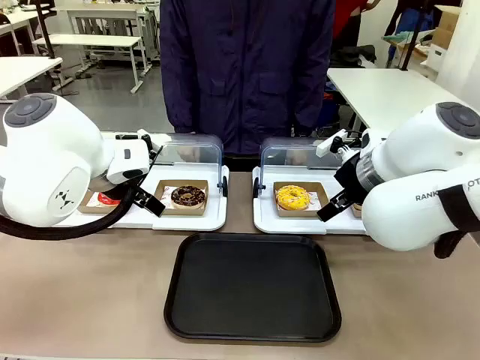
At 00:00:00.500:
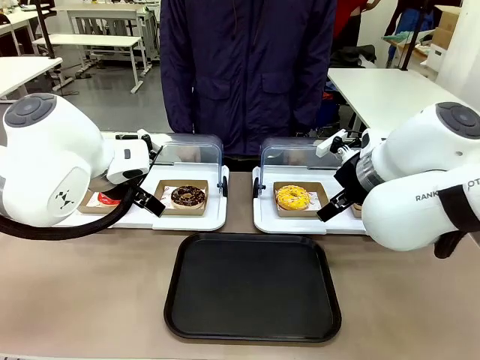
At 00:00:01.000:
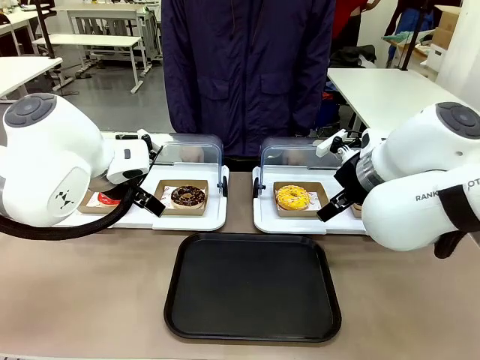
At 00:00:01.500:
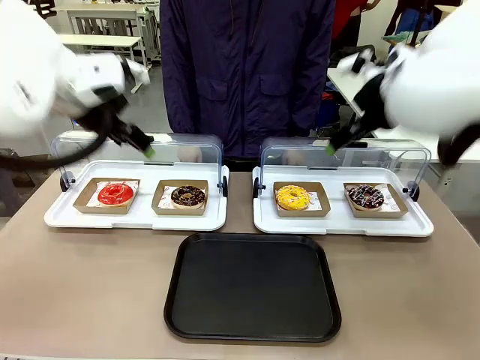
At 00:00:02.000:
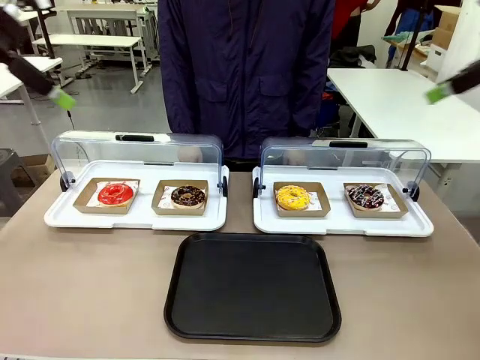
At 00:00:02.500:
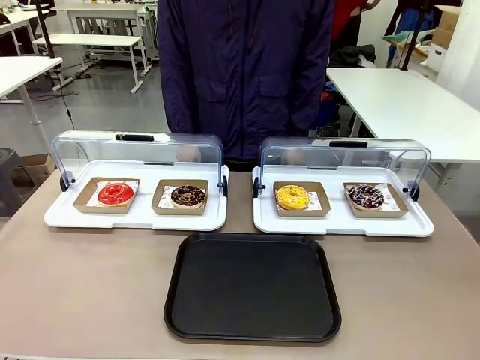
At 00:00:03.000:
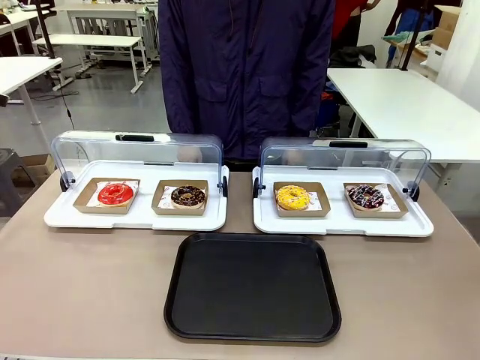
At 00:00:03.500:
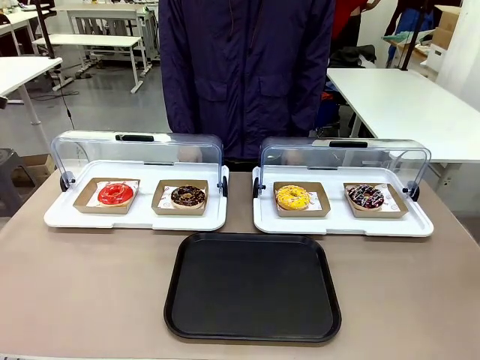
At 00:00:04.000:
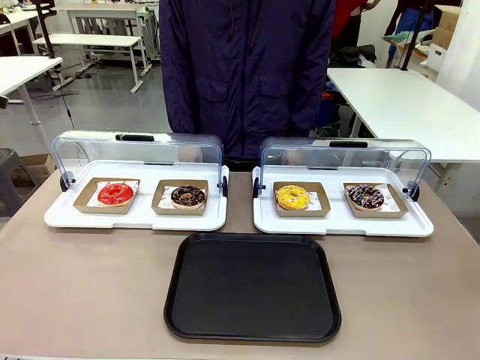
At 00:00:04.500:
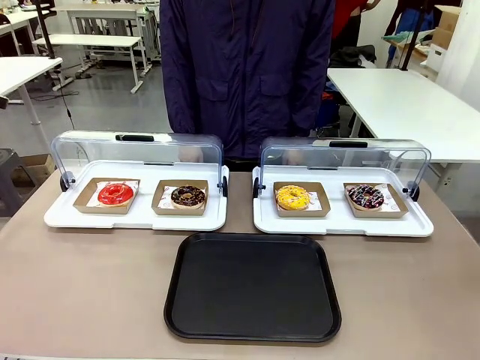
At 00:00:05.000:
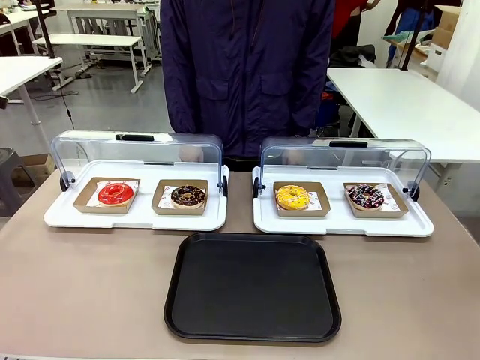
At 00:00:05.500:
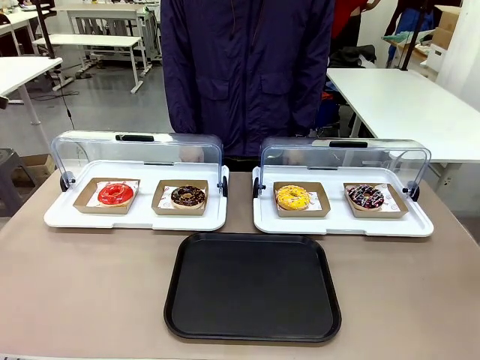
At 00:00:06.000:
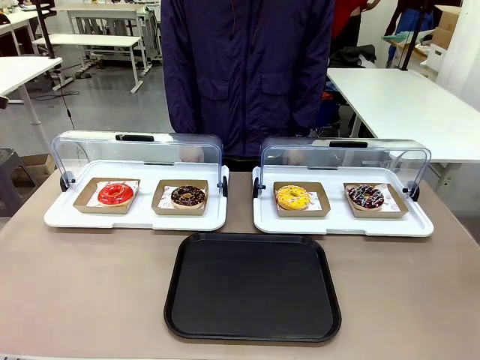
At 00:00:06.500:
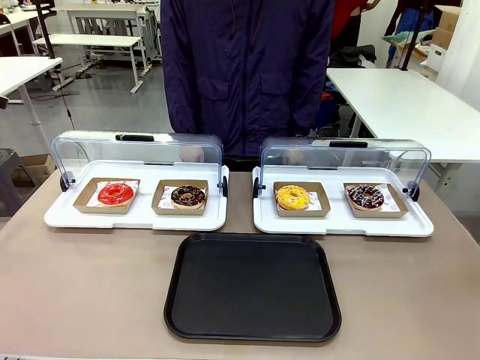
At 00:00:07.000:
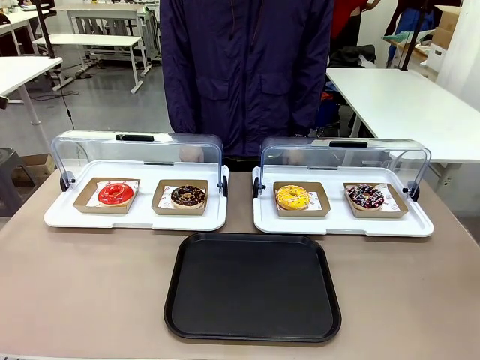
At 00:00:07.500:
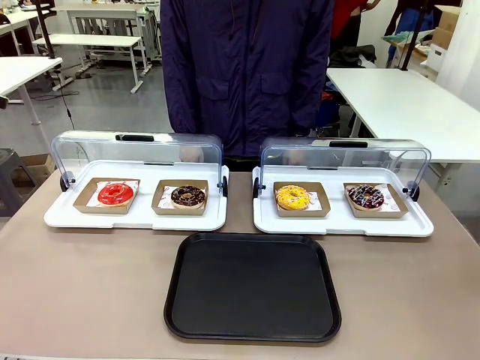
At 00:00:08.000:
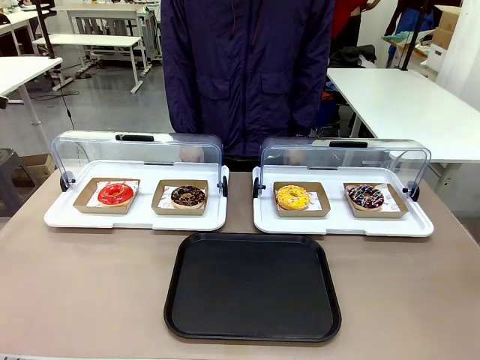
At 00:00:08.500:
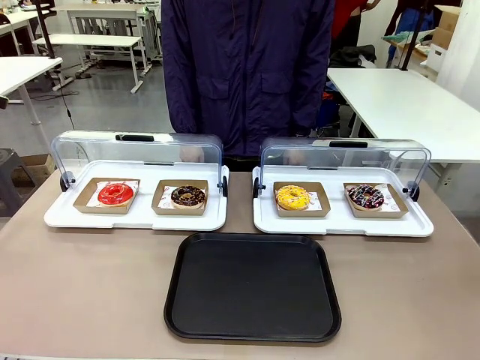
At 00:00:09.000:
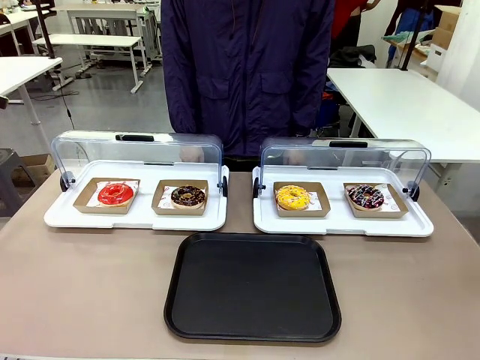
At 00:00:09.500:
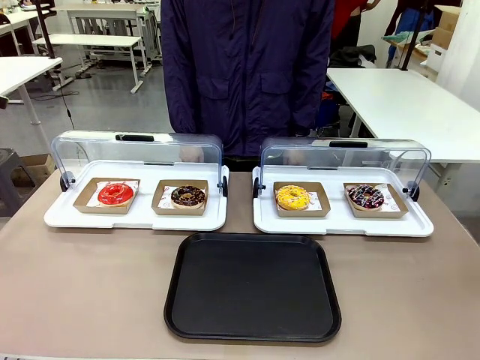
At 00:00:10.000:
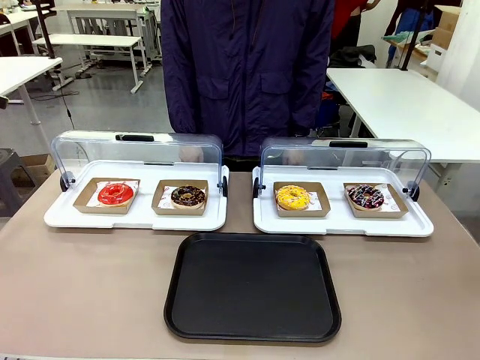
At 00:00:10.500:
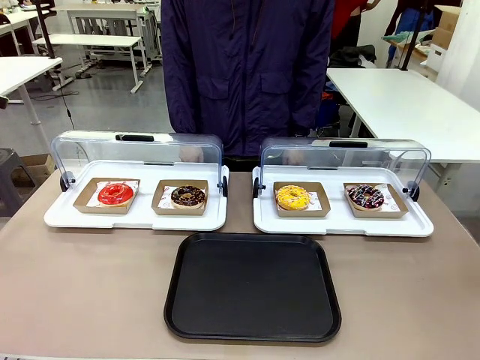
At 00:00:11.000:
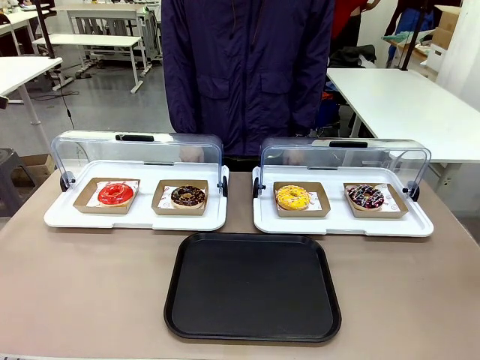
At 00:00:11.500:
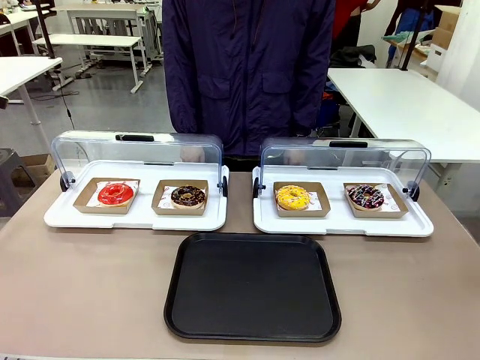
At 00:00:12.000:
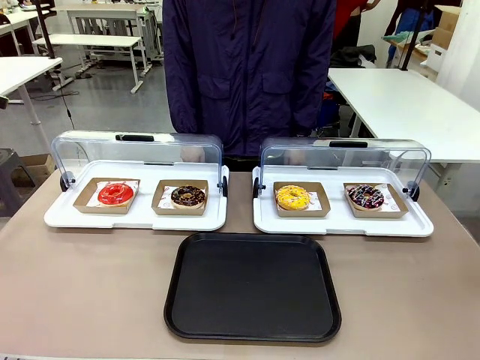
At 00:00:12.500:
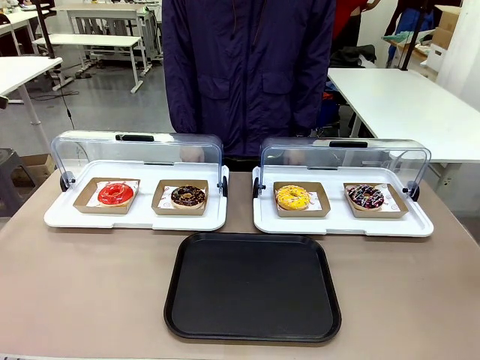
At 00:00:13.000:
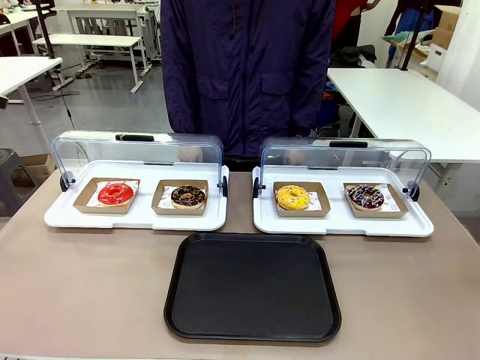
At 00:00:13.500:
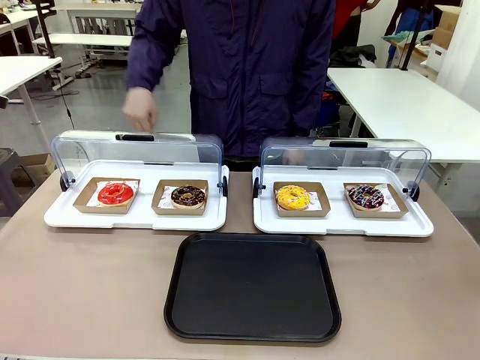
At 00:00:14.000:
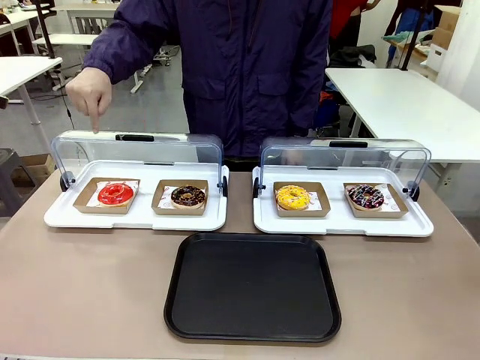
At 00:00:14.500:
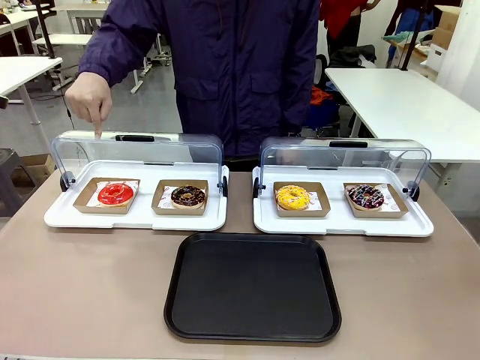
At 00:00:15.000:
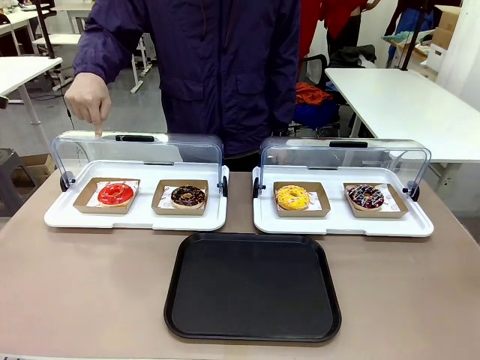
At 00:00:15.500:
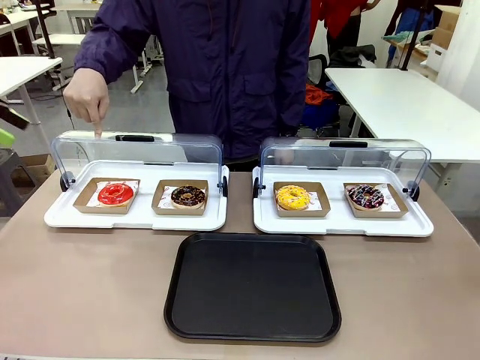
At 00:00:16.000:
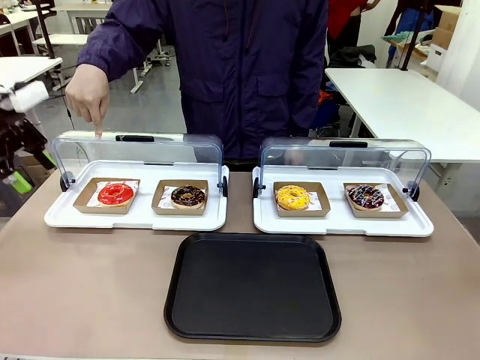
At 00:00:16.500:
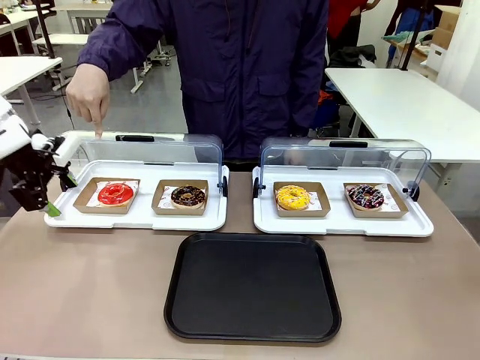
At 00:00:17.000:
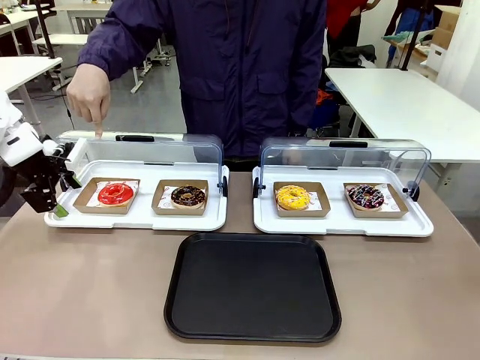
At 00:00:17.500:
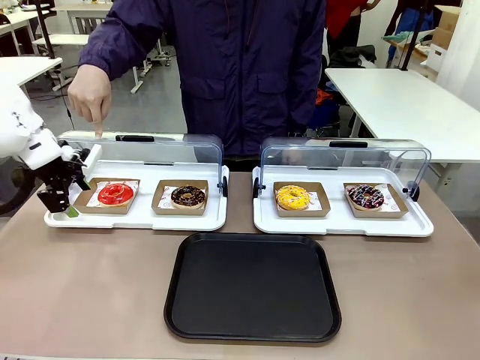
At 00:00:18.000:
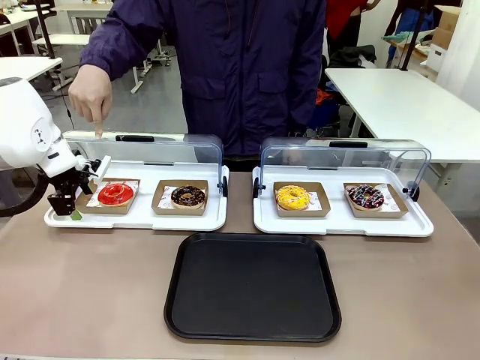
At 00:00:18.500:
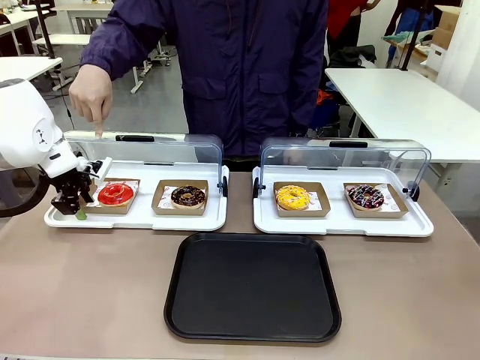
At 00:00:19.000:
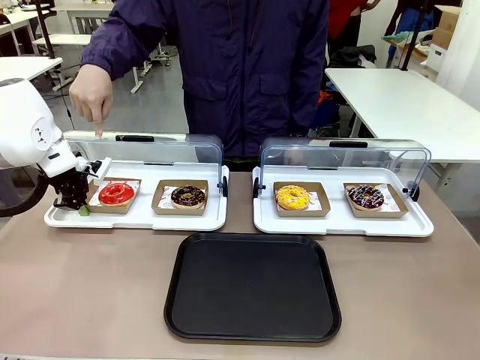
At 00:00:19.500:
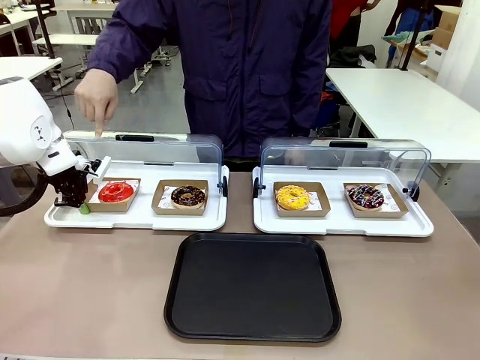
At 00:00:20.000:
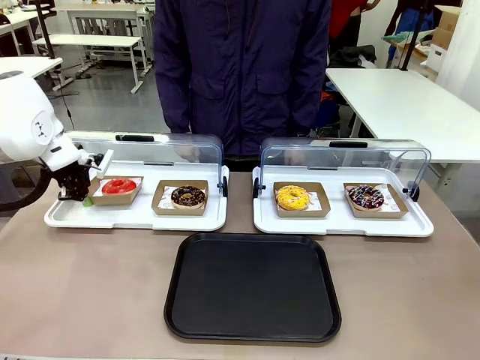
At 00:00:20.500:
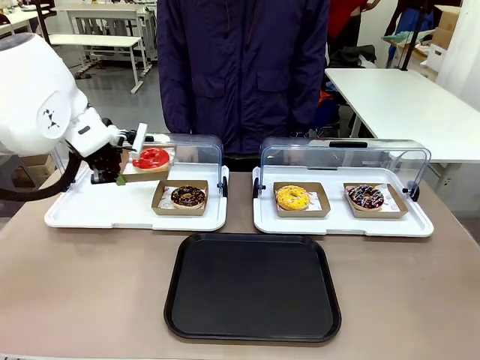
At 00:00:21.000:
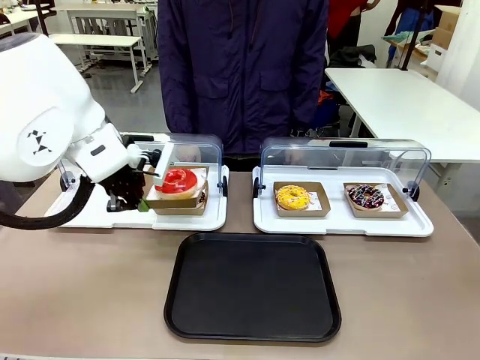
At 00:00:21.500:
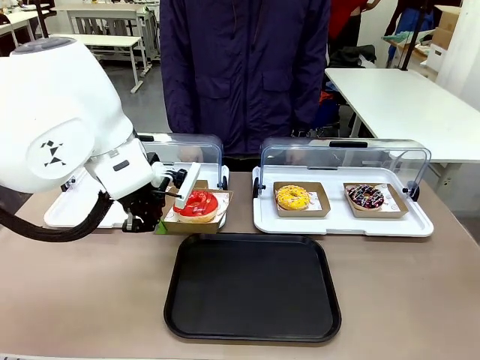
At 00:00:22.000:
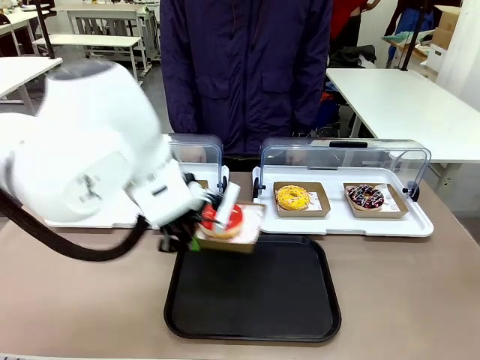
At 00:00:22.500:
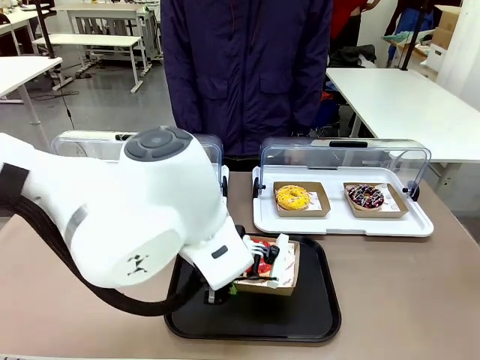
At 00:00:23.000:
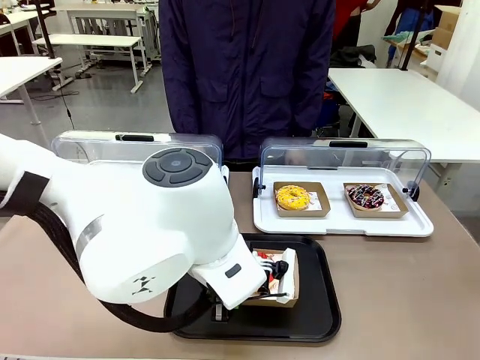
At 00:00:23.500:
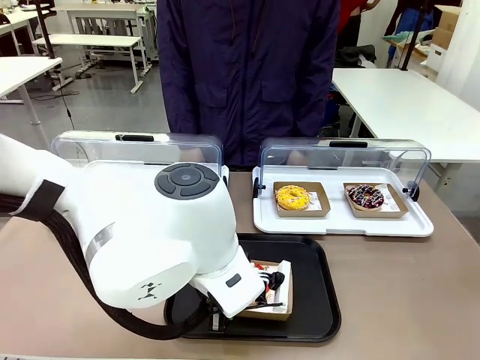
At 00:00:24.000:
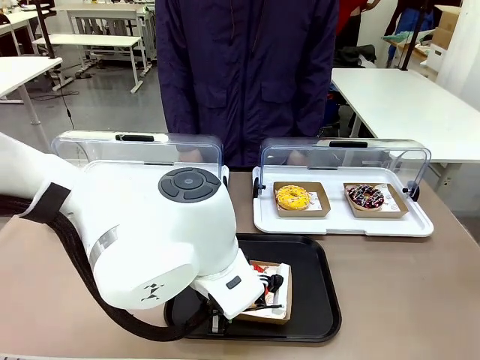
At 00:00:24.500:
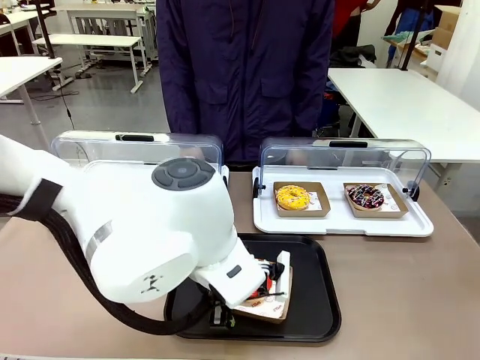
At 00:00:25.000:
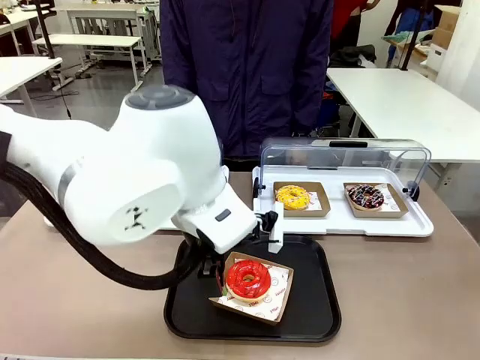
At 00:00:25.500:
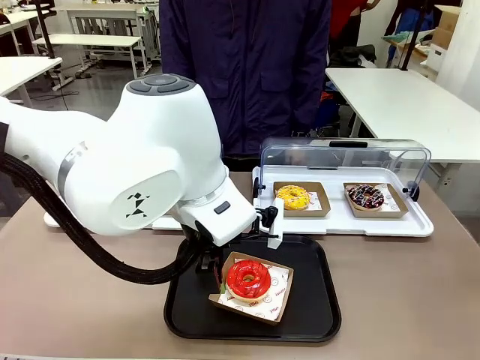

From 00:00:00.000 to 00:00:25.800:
Task: Move the first donut from the left to the tray.
Robot: Pick up the Paper togo box containing the Donut indicated by the person and place it on the Handle tray.
Person: Points to the first donut from the left from the robot’s perspective.
